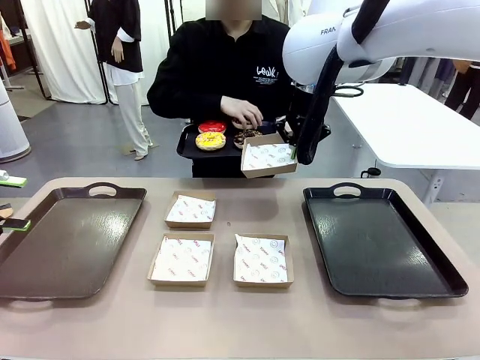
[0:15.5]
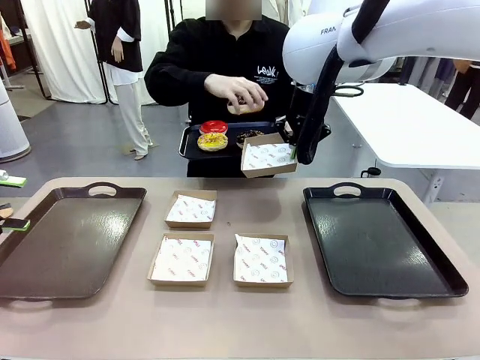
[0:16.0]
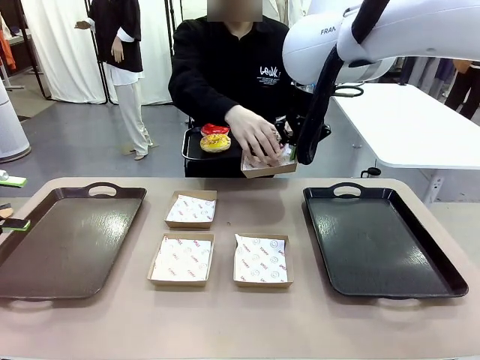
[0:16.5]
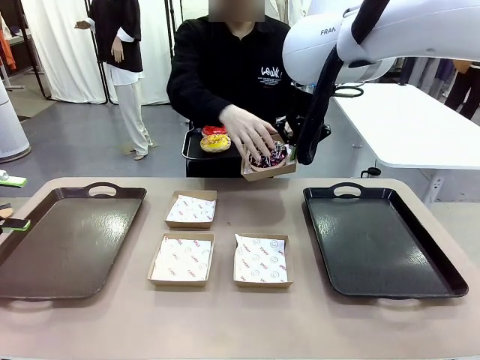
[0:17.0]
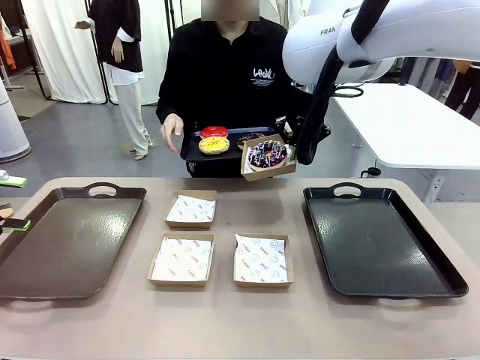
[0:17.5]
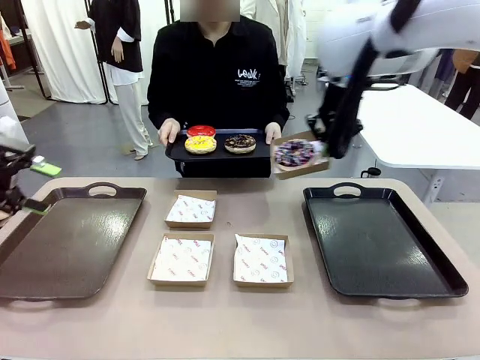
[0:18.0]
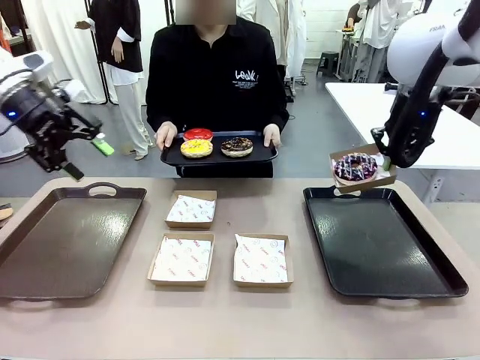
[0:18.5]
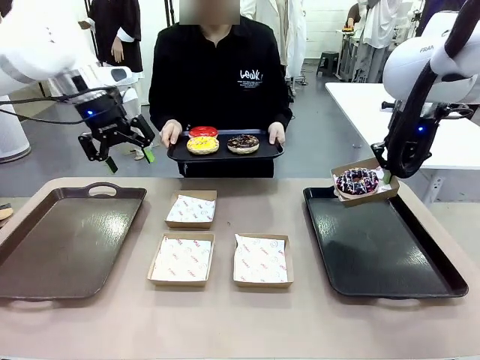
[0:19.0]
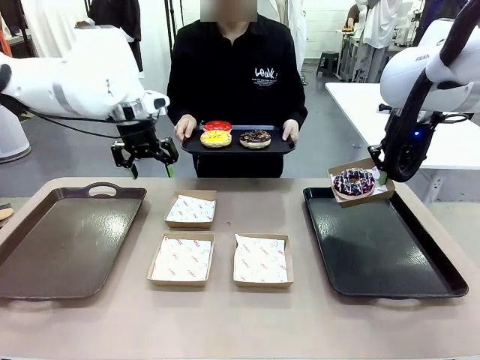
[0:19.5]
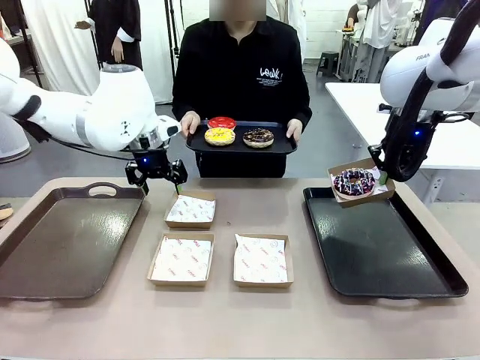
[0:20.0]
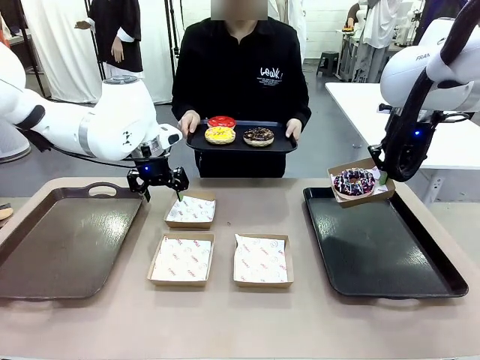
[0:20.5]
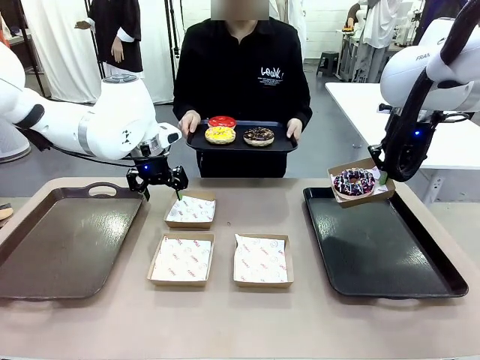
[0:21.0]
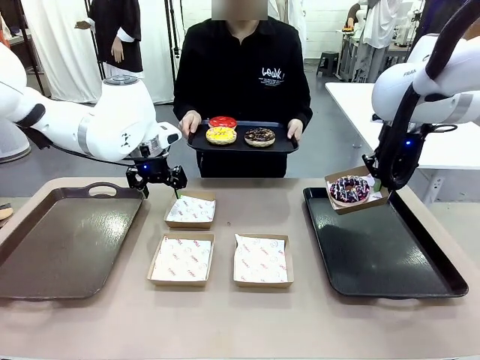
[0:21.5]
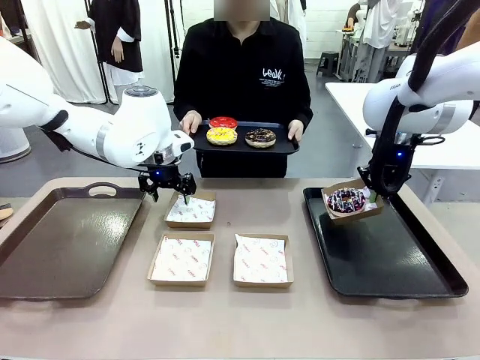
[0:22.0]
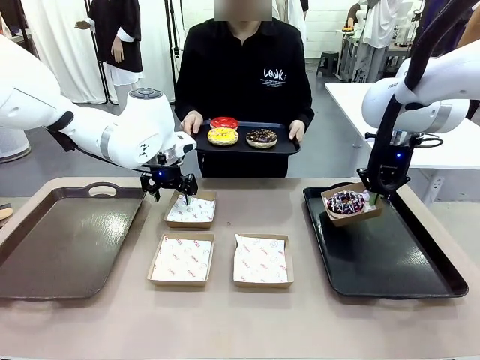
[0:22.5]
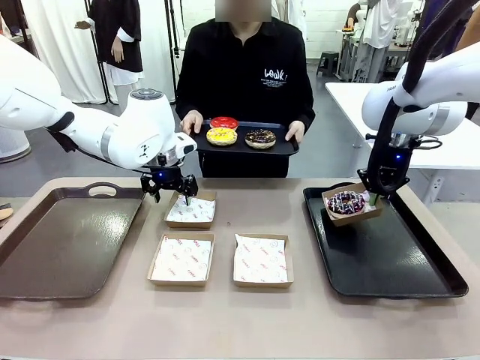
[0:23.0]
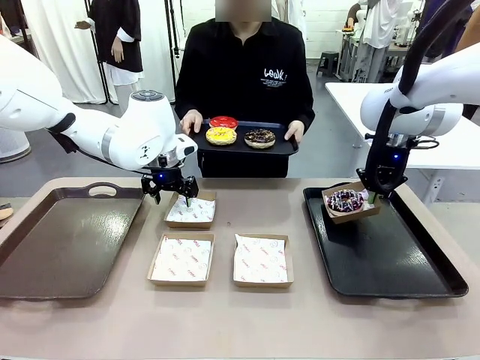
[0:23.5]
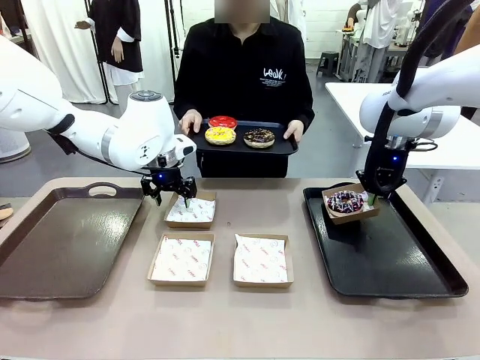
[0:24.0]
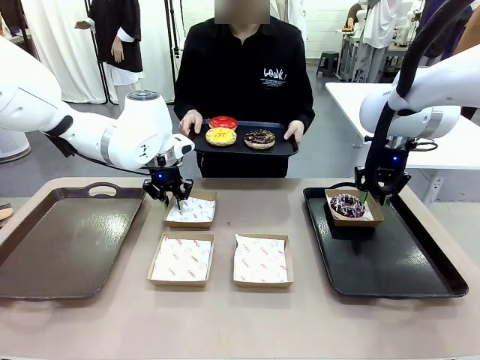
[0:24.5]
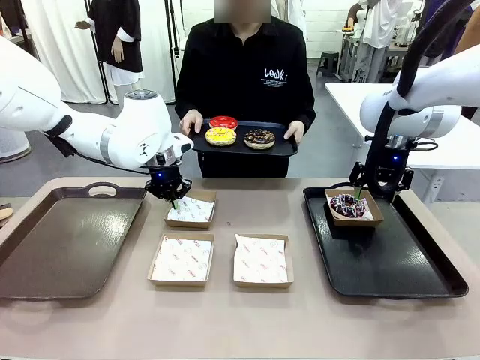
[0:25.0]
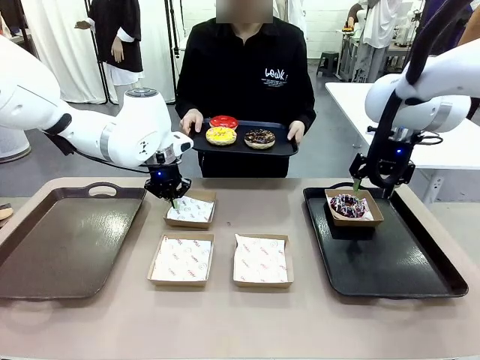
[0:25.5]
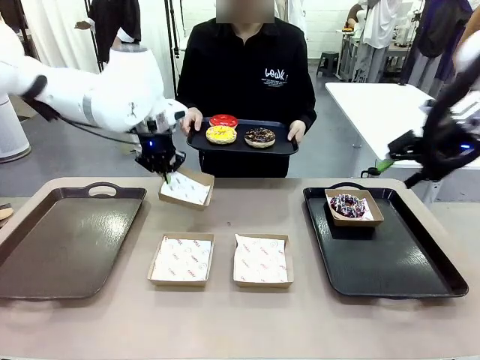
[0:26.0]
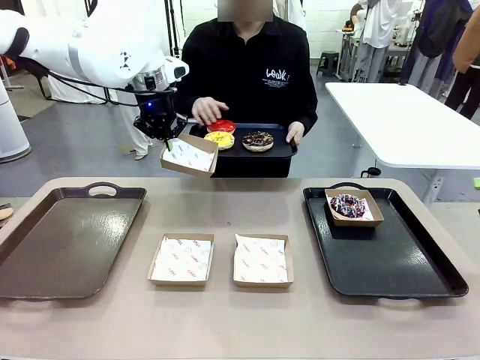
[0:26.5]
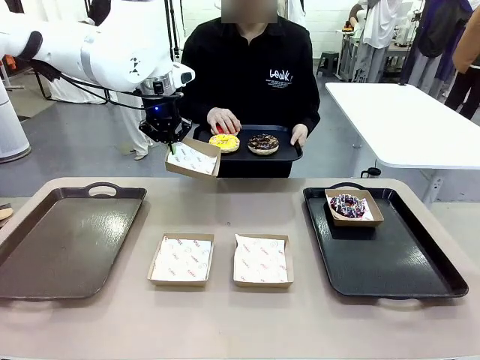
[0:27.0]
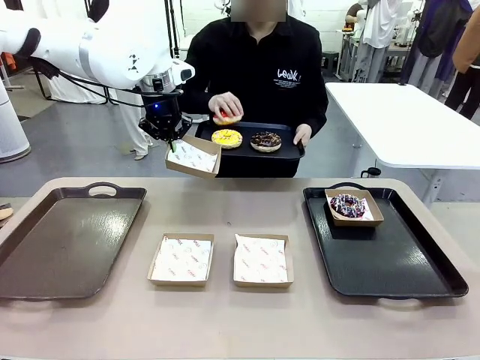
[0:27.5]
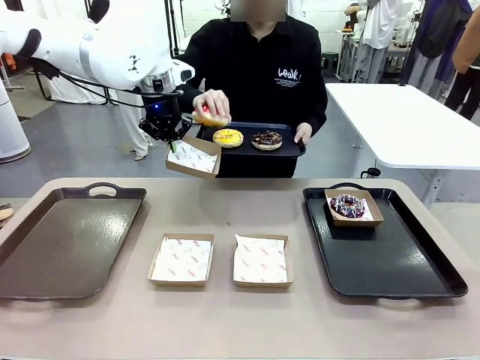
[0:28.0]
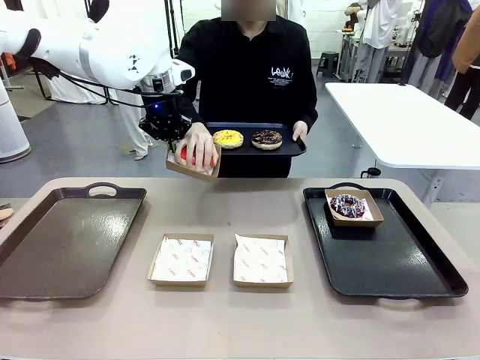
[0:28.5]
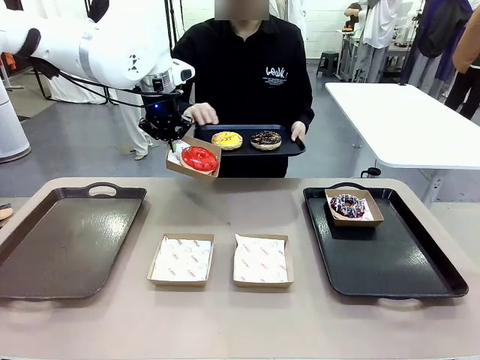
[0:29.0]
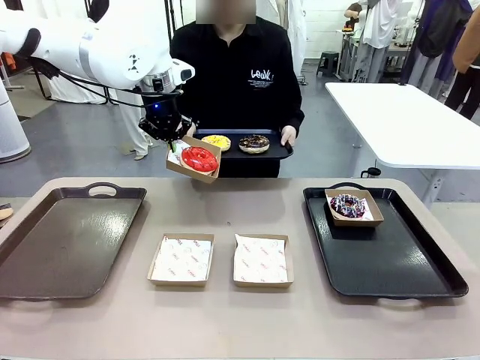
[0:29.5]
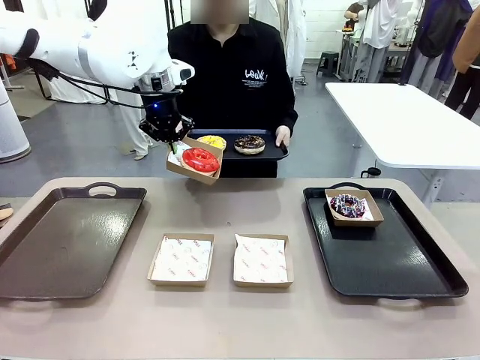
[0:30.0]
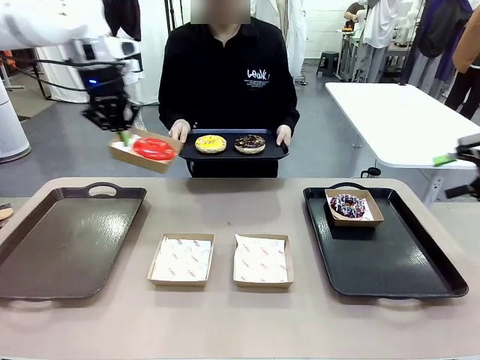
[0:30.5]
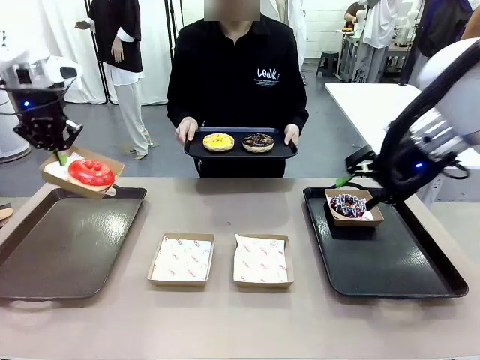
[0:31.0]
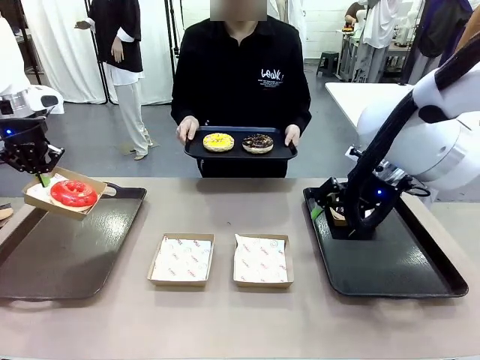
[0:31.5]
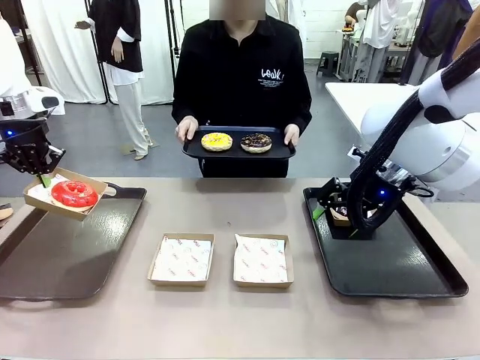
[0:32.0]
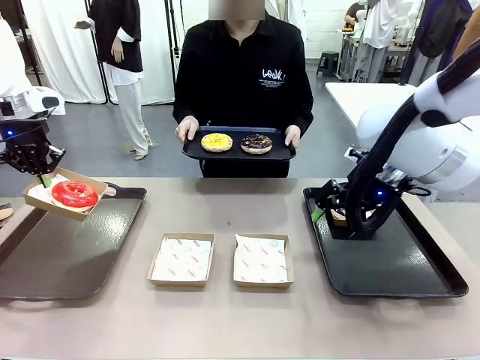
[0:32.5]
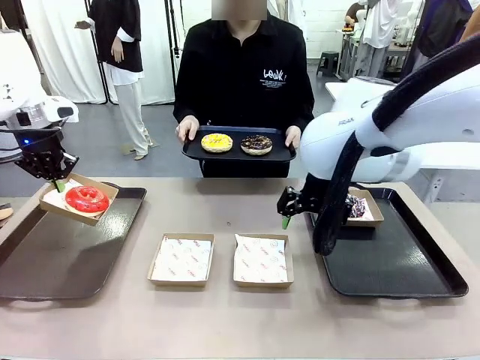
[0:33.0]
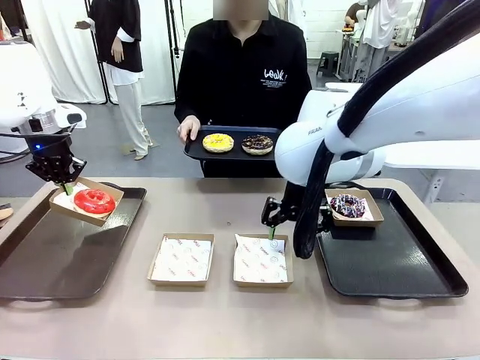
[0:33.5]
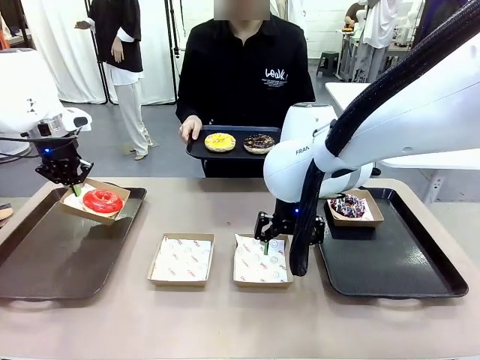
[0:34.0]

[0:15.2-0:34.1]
Task: Individually package the donuts and arrange them on the tray.
Robot: Place the picked Paper togo box on the Handle tray while simultaneously picking up another Paper togo box from the table with the other hand.
